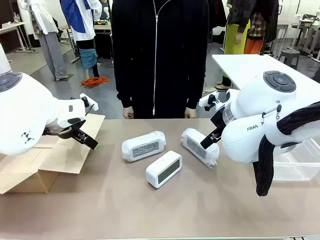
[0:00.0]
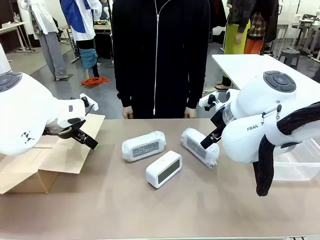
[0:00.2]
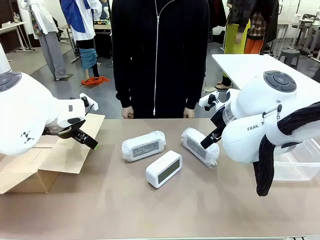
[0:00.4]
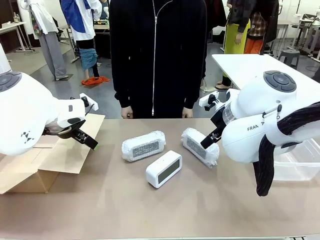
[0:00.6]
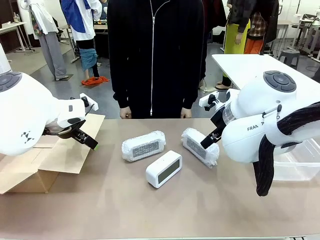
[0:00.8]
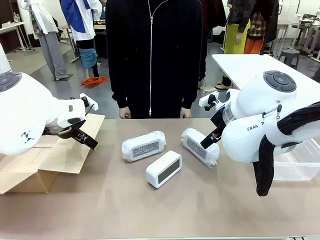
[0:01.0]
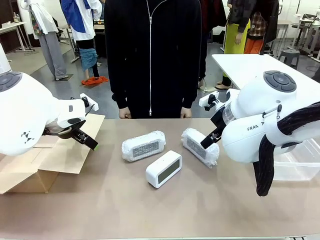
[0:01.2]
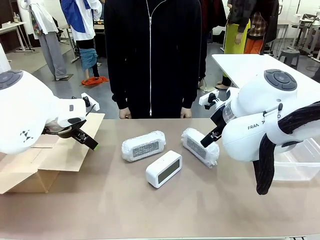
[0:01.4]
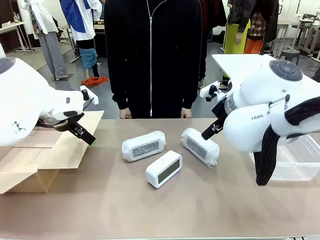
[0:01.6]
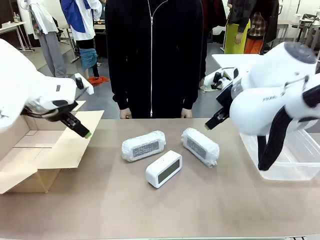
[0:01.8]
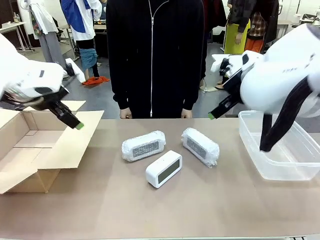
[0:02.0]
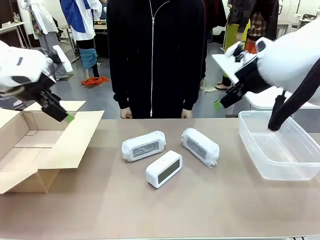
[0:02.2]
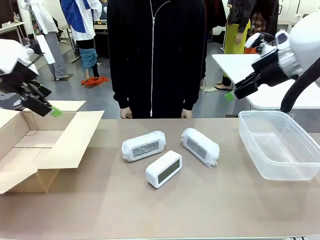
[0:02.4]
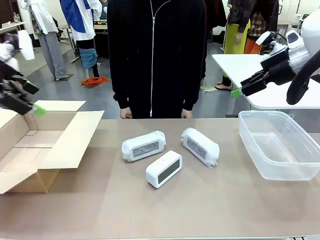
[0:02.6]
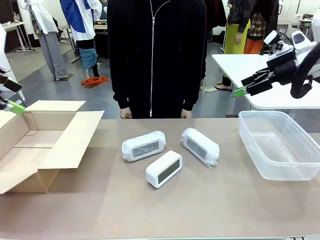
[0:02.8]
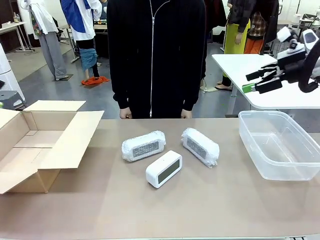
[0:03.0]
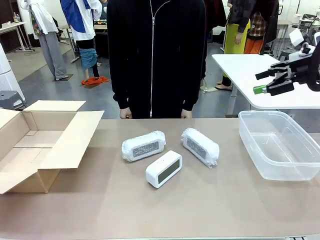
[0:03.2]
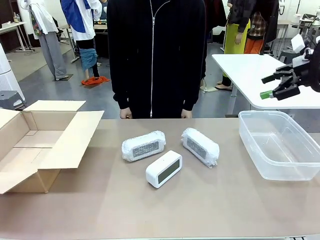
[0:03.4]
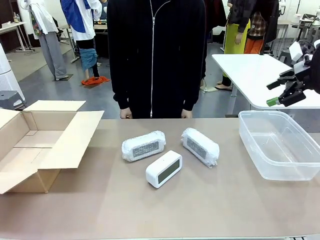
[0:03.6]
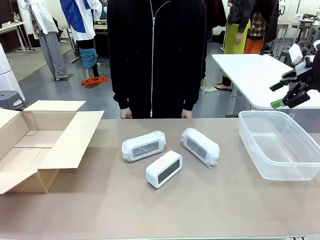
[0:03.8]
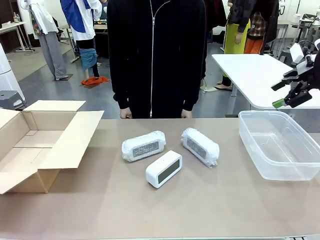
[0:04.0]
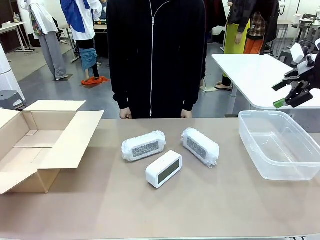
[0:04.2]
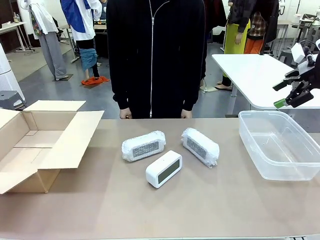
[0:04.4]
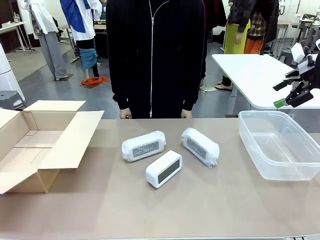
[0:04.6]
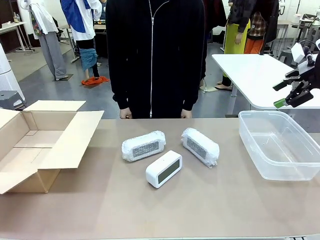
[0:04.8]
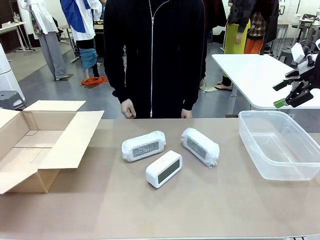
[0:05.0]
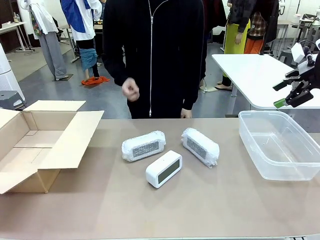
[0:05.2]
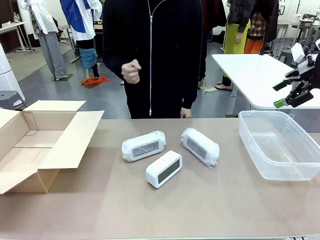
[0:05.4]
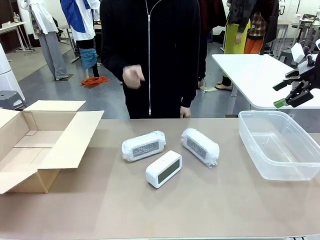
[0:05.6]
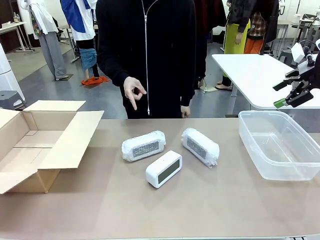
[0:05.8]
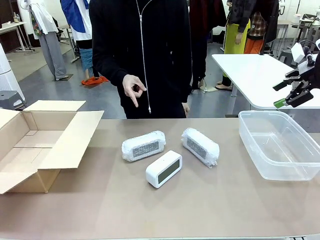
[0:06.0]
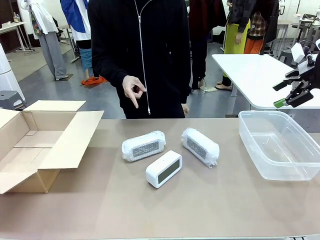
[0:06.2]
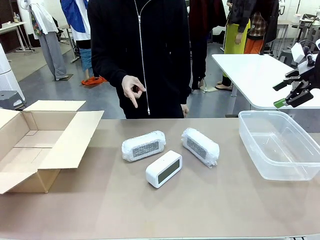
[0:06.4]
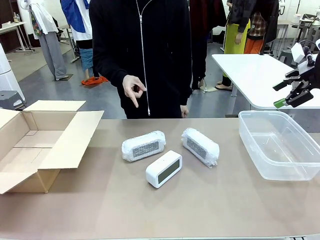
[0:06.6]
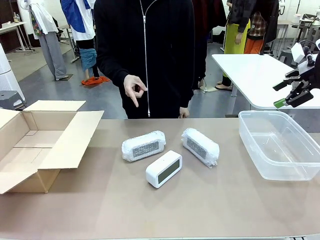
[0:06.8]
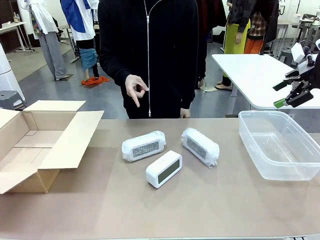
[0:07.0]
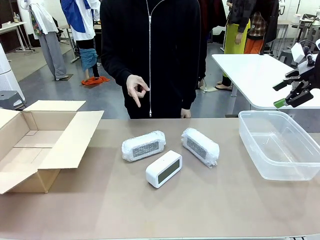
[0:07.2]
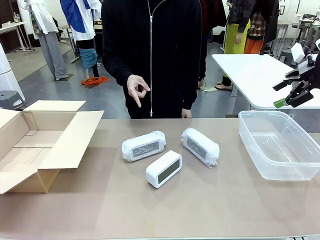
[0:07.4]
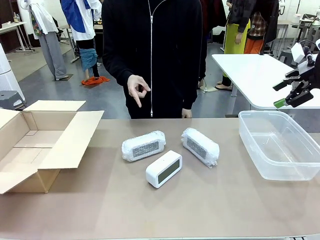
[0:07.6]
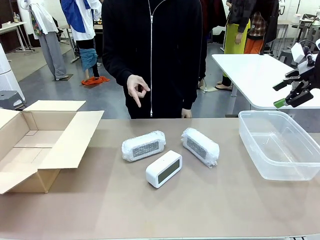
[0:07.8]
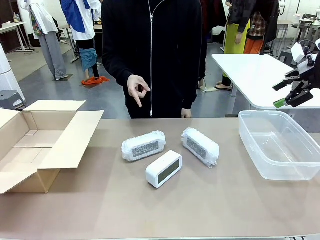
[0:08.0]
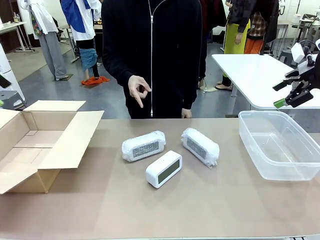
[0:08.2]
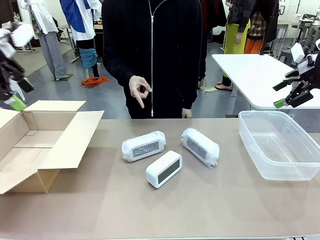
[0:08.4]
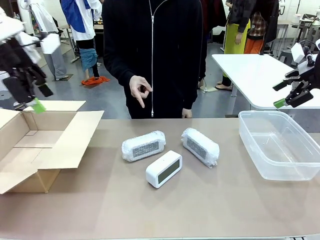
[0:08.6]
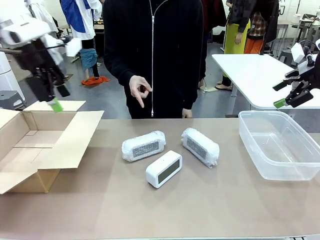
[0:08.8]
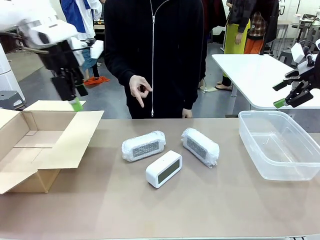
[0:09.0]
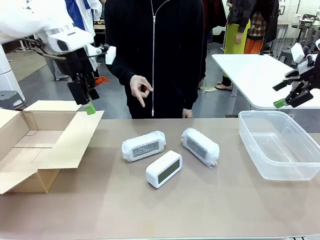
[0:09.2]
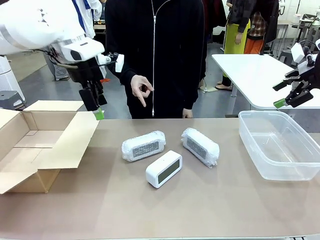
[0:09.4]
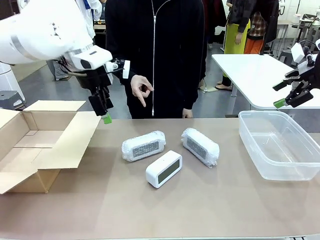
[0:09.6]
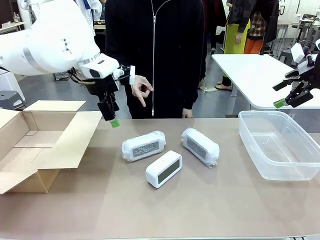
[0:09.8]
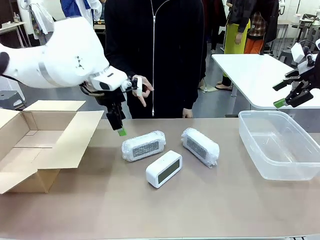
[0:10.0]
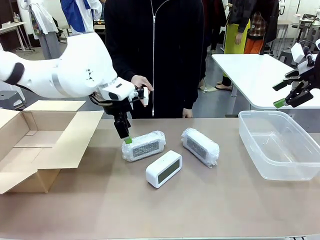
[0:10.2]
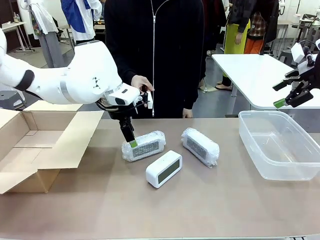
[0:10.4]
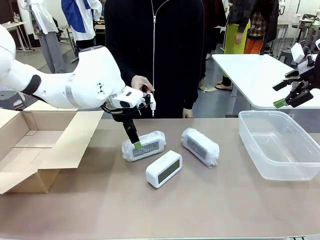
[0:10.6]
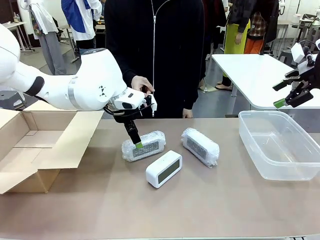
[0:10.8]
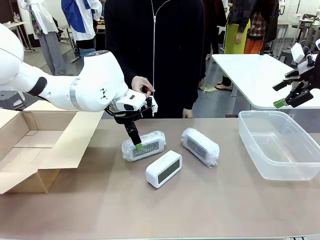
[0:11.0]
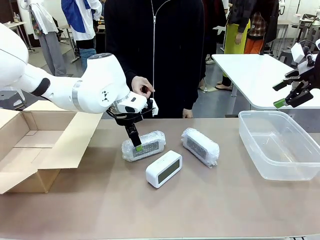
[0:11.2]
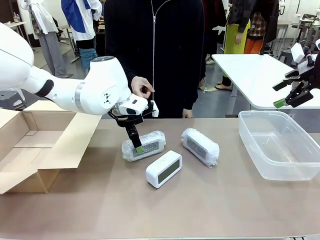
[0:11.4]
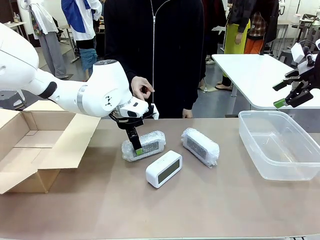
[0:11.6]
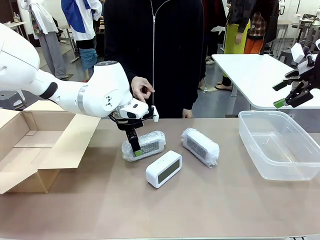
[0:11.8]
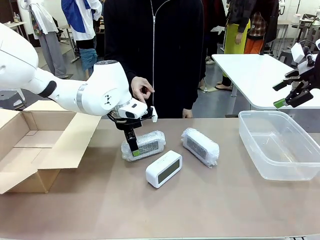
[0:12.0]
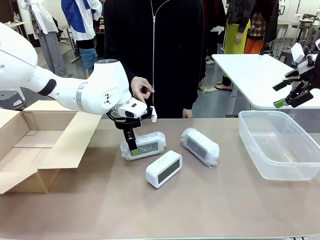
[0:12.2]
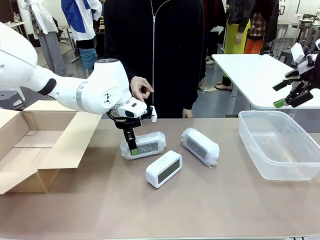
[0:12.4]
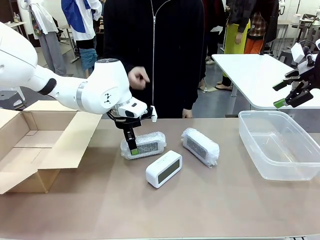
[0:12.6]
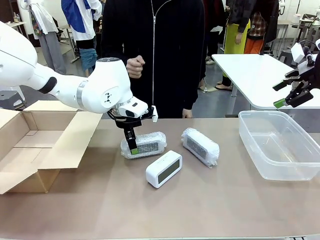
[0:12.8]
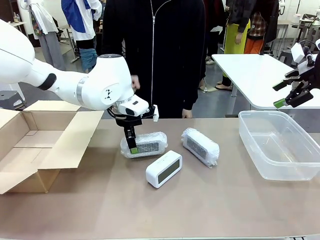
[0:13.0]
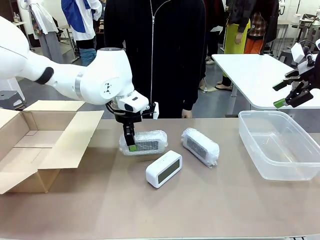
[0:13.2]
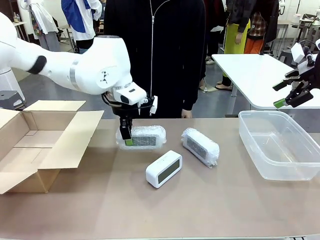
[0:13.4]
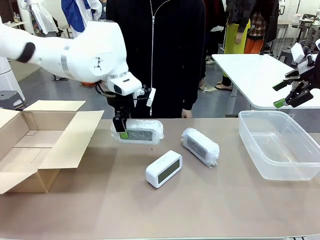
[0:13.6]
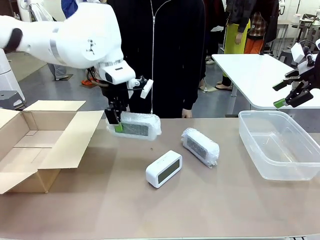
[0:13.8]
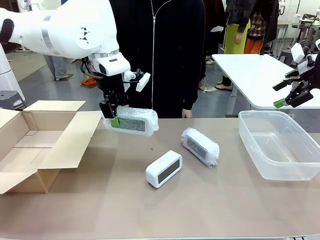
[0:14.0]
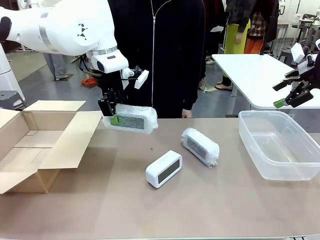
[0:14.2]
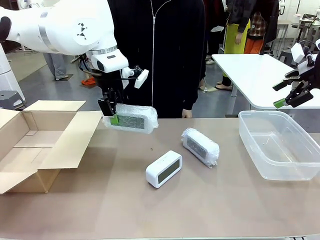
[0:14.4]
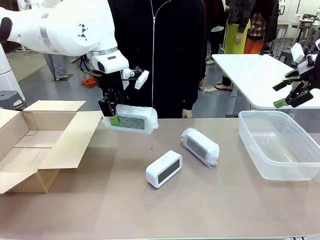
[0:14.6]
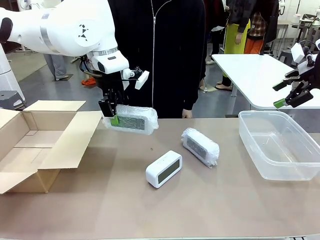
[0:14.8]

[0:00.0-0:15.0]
Task: Separate and place wrapped and unwrapped clocks.
Robot: Pick up the Digital clock indicated by the person.

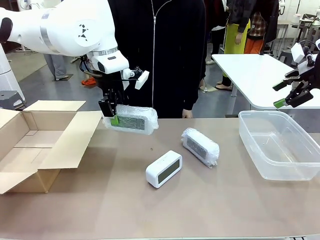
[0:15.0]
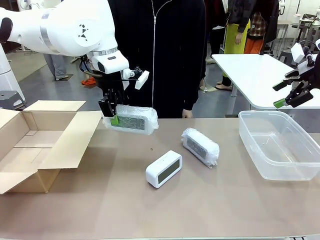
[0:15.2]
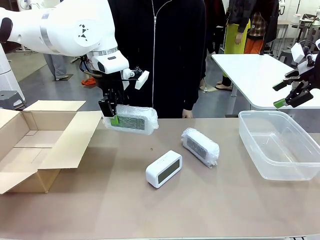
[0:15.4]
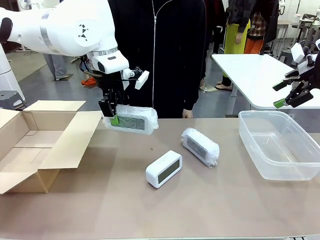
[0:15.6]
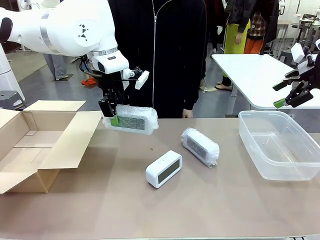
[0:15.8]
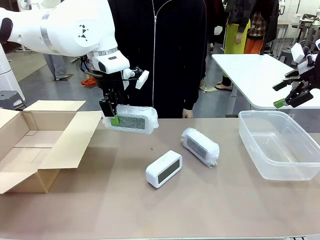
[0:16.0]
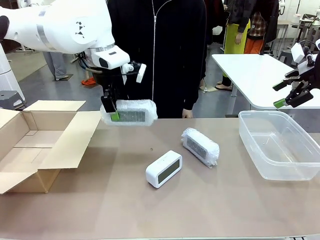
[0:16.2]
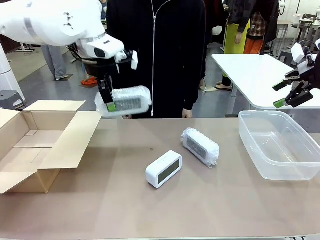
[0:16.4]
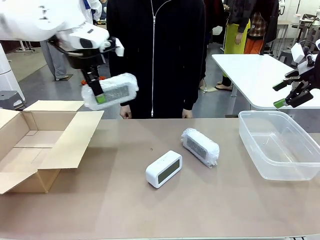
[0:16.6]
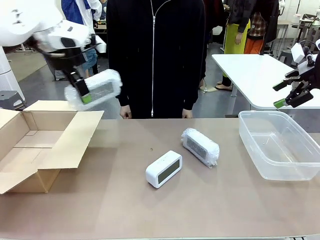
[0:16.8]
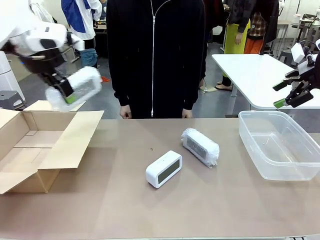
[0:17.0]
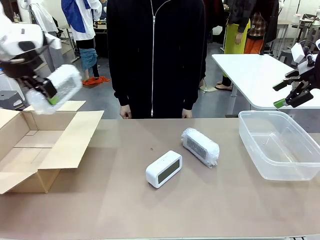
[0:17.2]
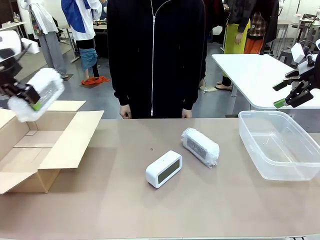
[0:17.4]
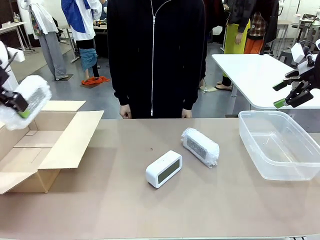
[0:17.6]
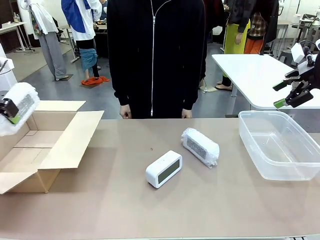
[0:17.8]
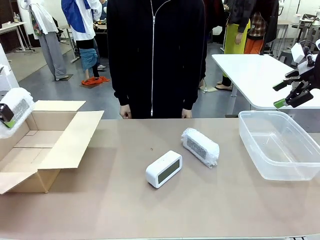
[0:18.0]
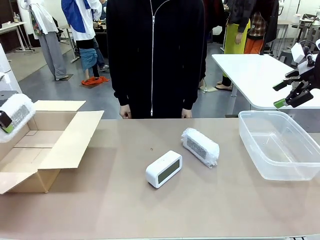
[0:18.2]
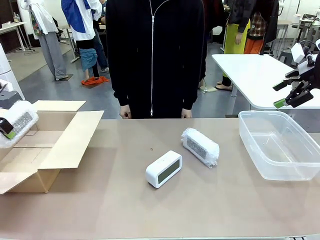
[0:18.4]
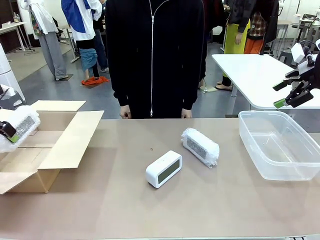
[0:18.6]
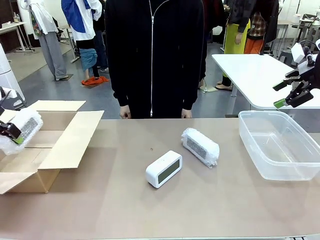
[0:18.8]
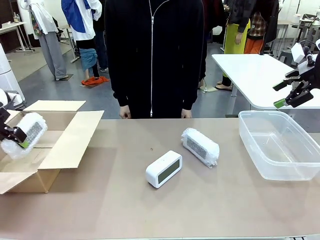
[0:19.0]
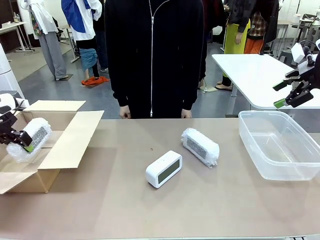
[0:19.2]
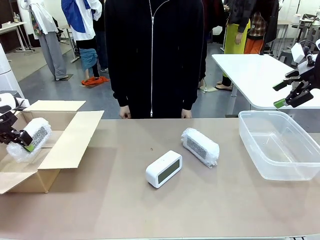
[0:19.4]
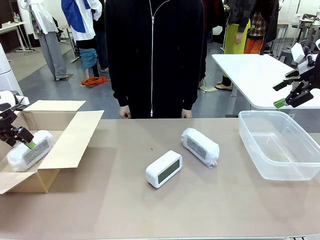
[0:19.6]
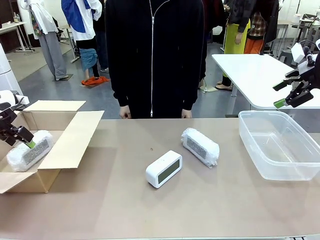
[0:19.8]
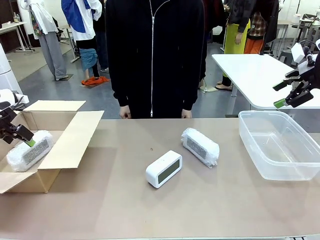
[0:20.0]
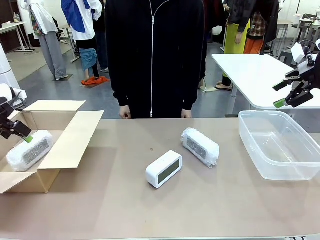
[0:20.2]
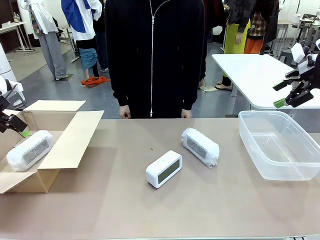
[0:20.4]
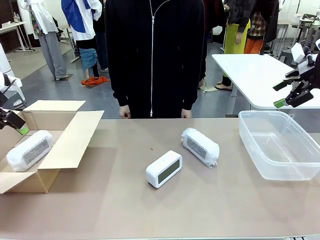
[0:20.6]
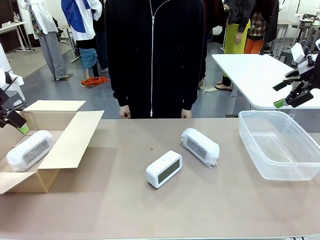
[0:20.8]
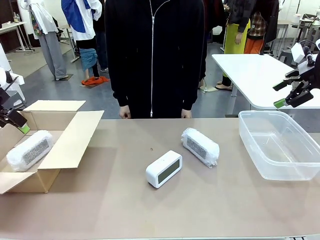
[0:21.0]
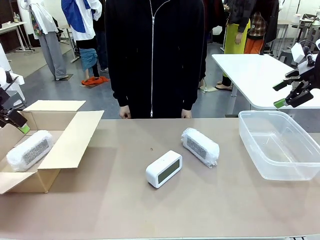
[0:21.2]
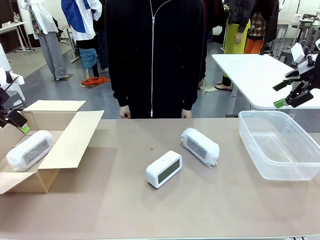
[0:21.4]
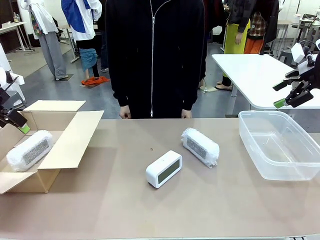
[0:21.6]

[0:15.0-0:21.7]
Robot: If the picked Digital clock is wrapped, place it in the Package Box ; if not, place it in the Organizing box.
